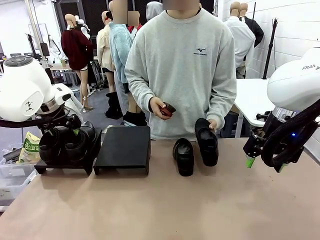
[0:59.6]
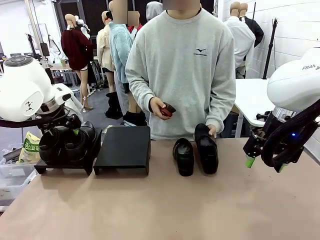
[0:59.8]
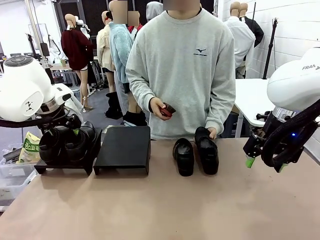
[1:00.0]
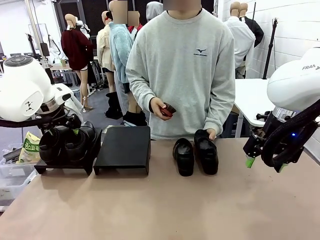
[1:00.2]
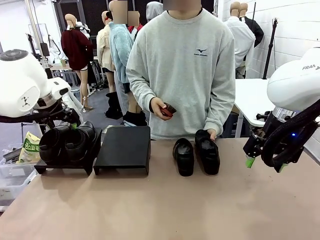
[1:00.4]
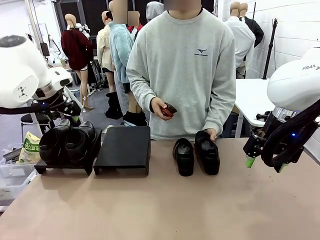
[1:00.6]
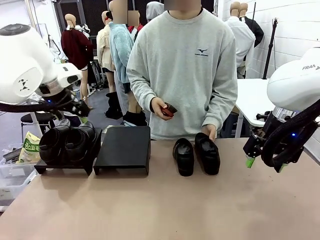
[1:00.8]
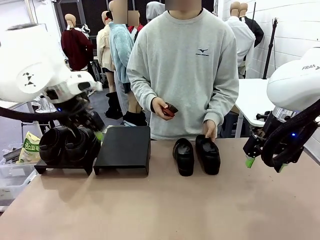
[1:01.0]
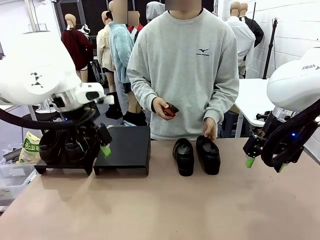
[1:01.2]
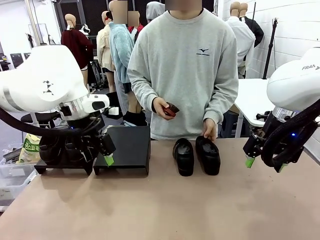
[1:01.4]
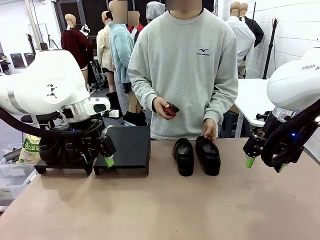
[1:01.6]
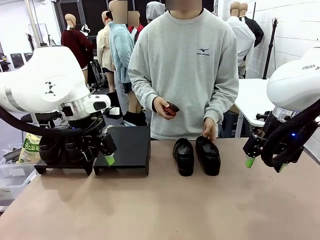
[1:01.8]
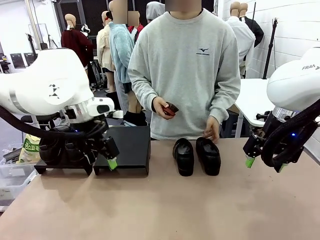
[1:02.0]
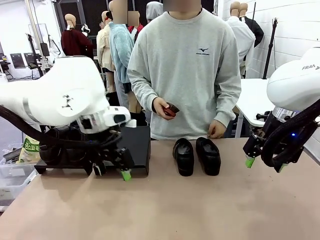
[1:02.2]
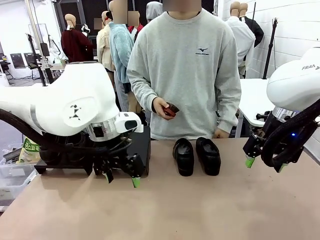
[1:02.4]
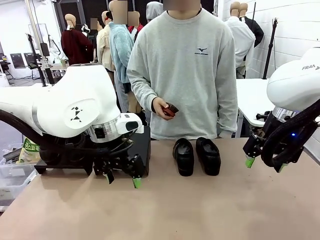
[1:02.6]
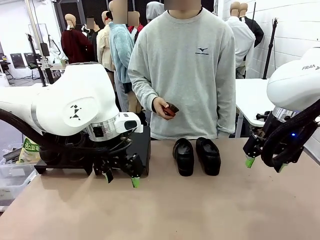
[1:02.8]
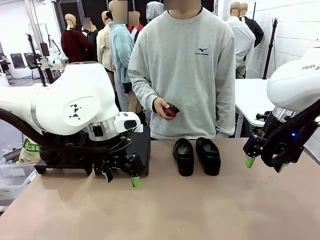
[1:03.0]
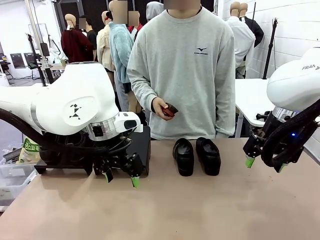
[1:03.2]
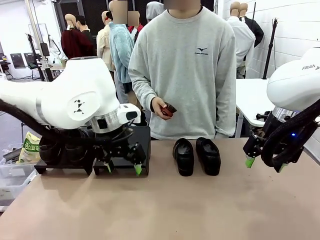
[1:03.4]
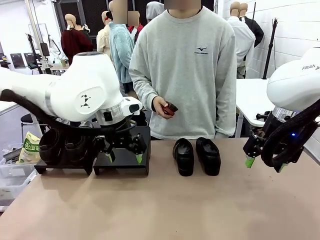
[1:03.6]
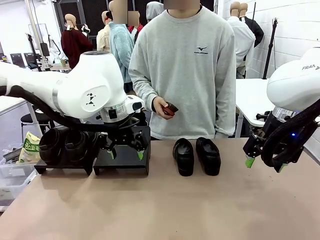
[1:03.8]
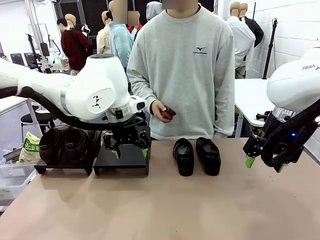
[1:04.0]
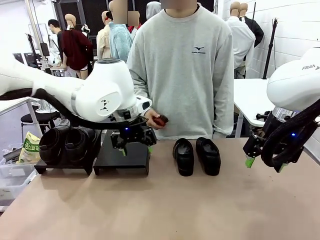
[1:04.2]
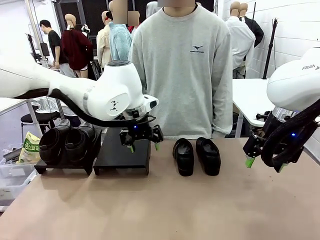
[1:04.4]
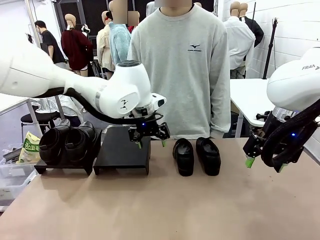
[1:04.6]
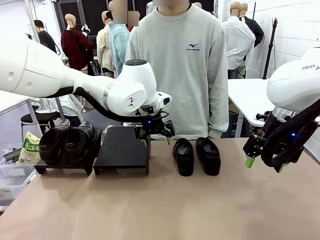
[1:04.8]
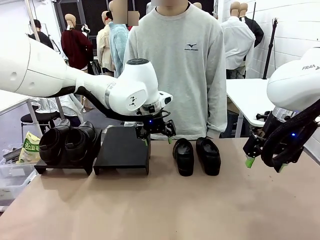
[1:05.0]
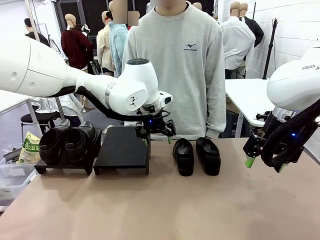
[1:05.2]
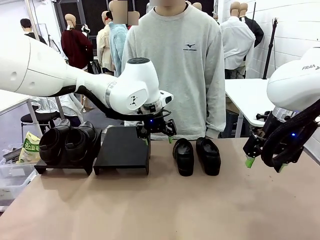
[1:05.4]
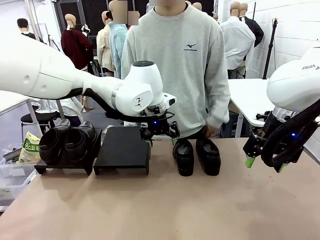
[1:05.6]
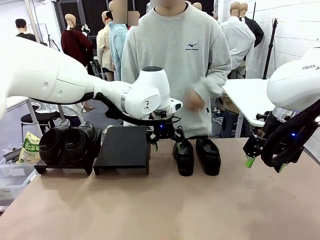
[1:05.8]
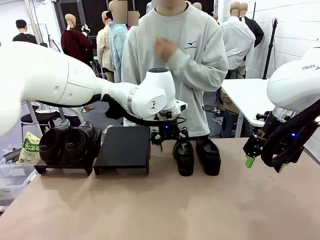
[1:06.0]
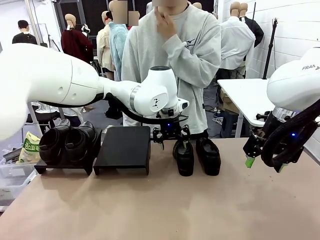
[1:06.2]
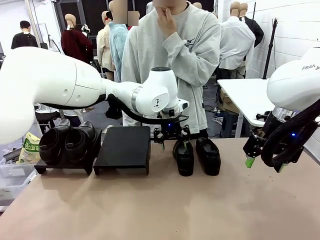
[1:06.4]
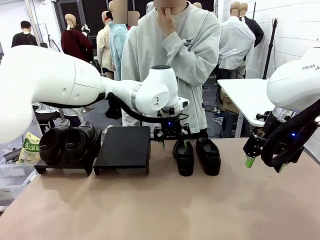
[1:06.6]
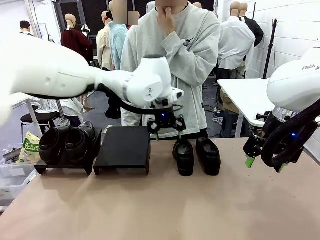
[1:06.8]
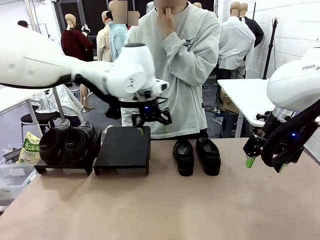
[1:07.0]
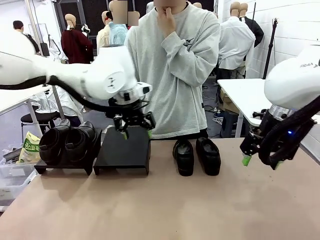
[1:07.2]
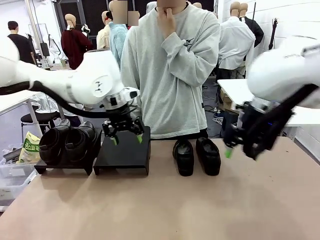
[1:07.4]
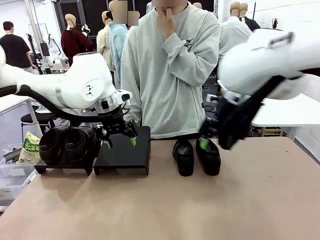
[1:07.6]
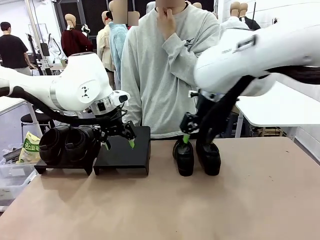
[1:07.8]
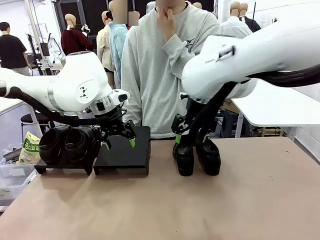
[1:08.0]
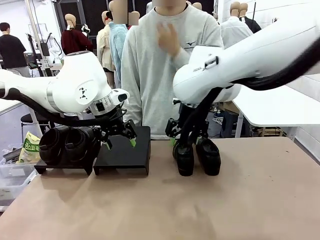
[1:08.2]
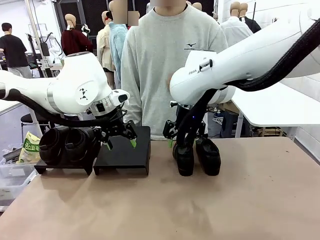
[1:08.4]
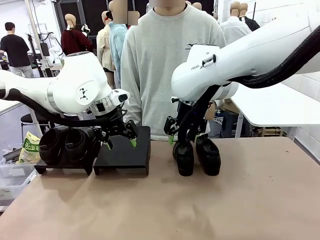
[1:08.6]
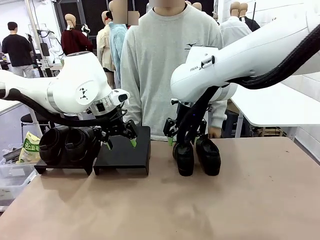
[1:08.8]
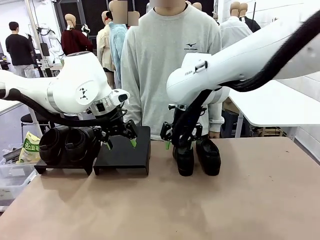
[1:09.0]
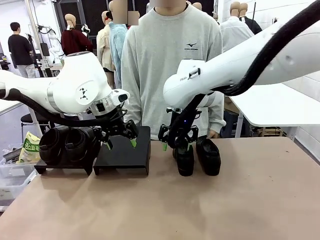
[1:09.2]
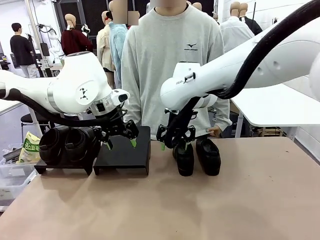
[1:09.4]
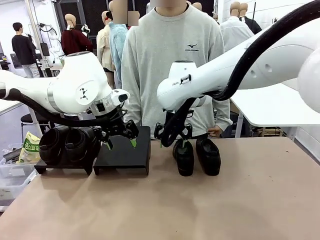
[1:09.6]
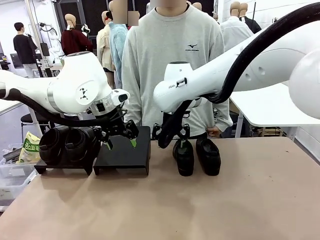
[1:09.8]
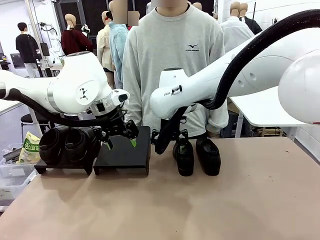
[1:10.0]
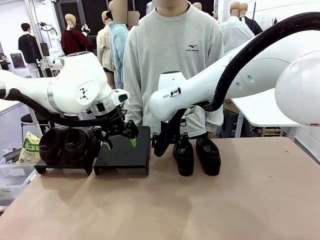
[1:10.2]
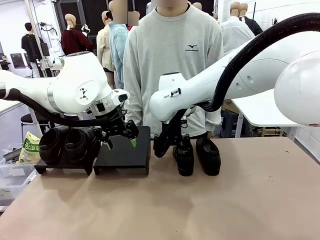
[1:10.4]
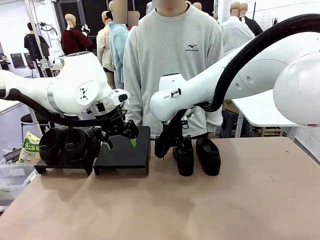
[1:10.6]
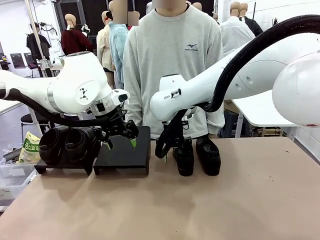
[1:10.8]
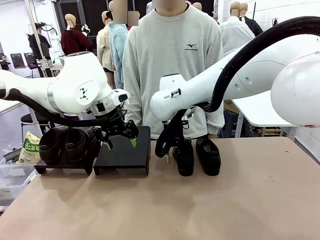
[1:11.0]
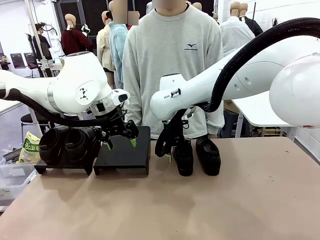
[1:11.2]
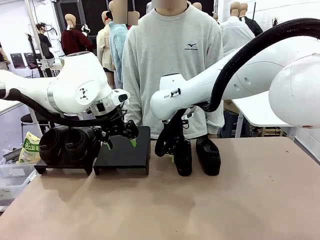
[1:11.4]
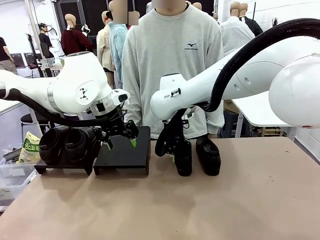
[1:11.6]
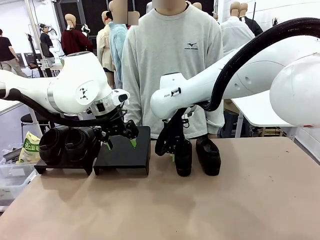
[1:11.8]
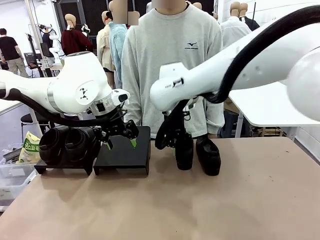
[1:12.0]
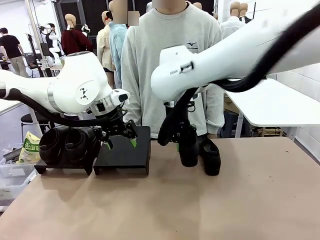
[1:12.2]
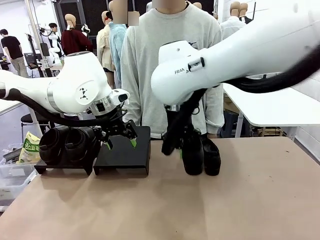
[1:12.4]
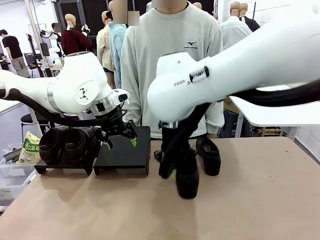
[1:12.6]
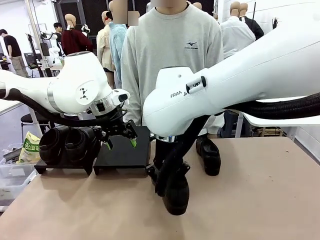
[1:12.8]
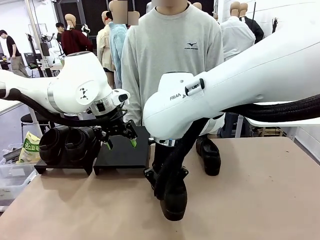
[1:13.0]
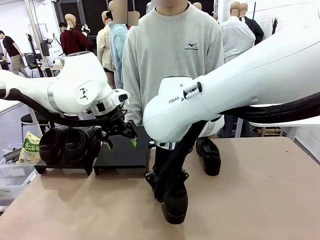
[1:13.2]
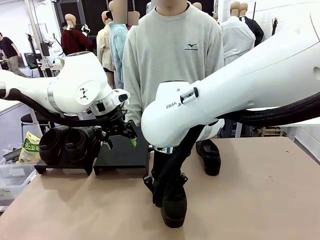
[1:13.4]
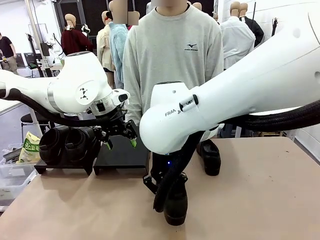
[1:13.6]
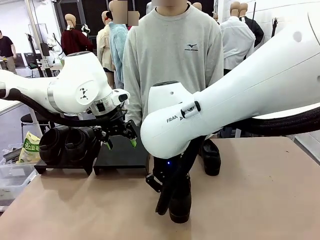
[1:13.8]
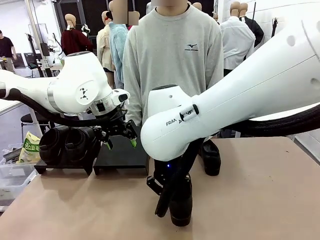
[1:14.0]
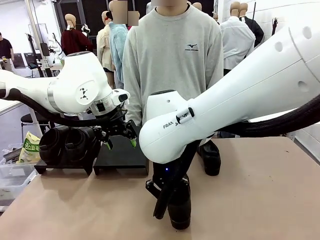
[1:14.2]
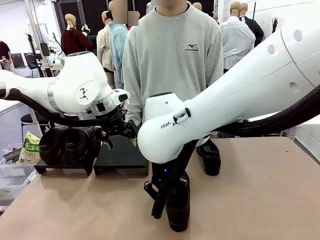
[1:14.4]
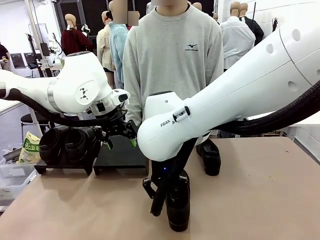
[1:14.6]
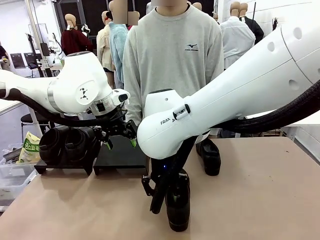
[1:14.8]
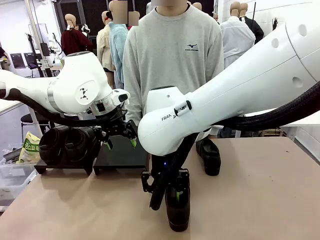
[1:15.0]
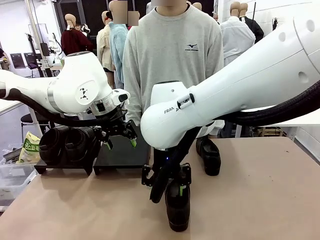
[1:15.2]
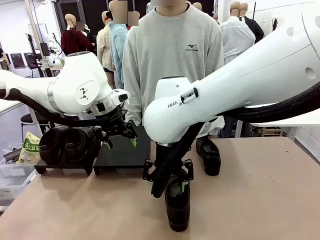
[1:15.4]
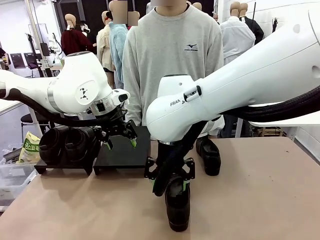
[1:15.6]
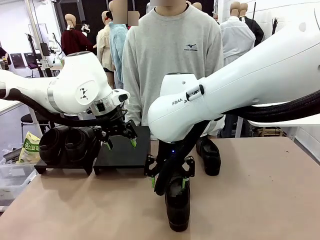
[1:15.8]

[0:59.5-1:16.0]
Task: Organize the shoes by placing them on the stand.
Robot: Pick up one Shoe and place it in the middle of the table.
